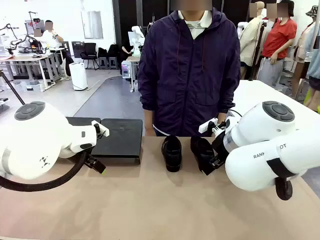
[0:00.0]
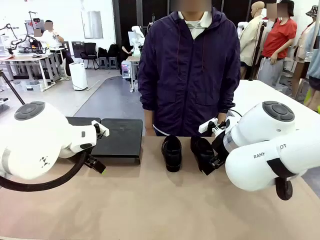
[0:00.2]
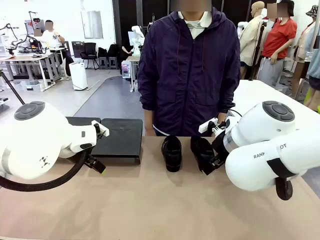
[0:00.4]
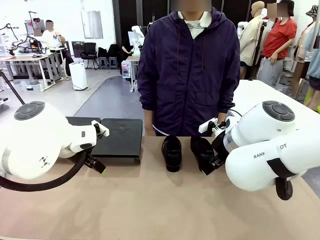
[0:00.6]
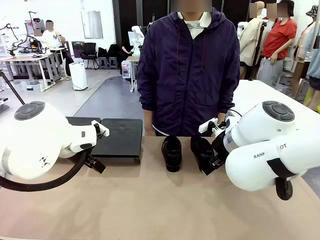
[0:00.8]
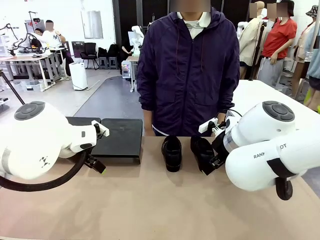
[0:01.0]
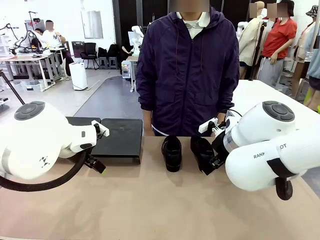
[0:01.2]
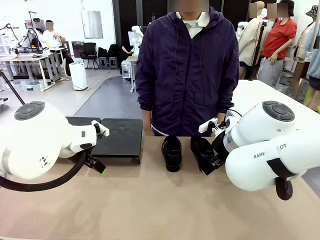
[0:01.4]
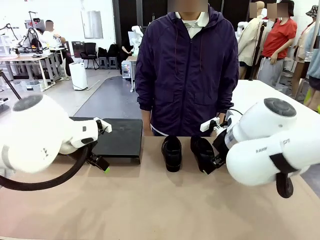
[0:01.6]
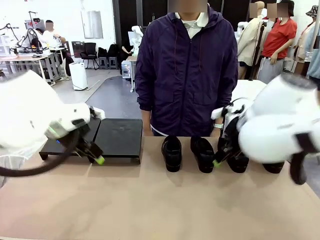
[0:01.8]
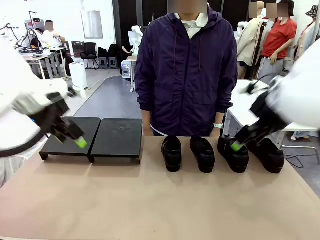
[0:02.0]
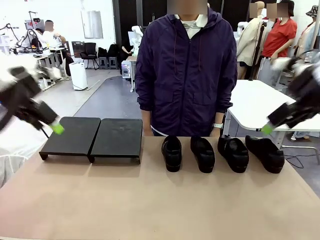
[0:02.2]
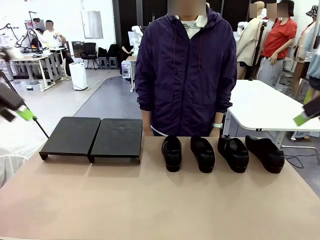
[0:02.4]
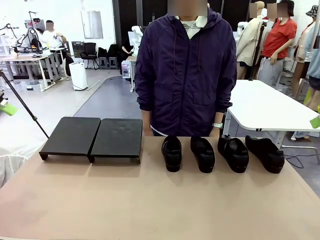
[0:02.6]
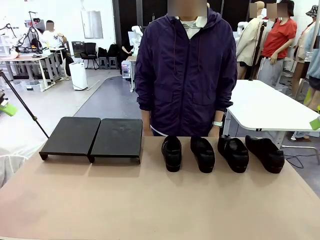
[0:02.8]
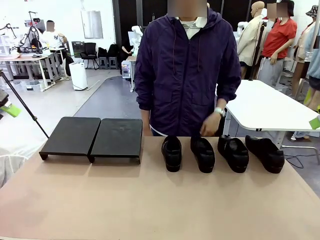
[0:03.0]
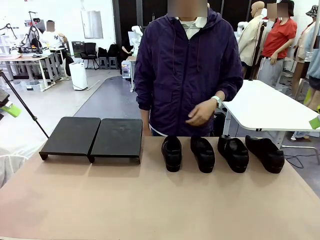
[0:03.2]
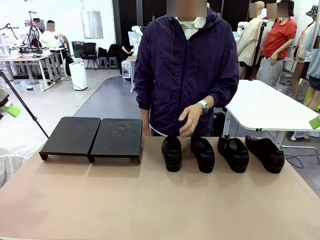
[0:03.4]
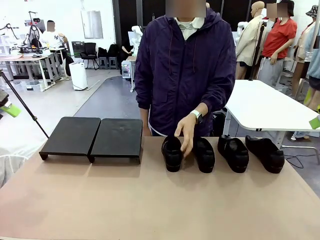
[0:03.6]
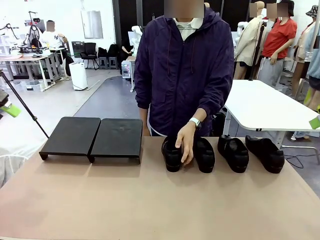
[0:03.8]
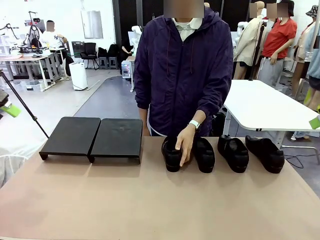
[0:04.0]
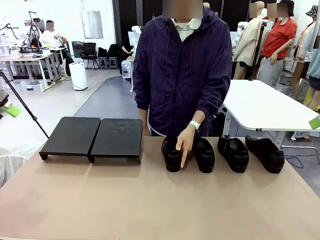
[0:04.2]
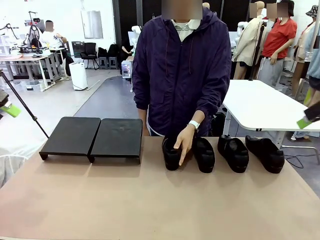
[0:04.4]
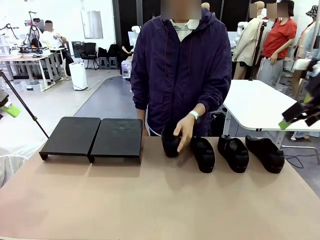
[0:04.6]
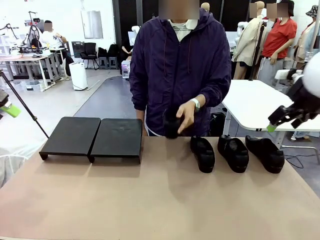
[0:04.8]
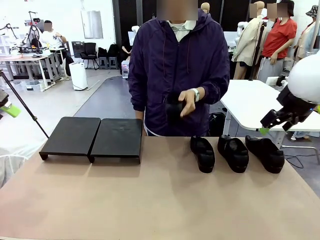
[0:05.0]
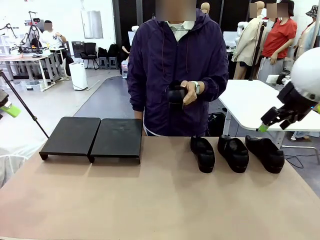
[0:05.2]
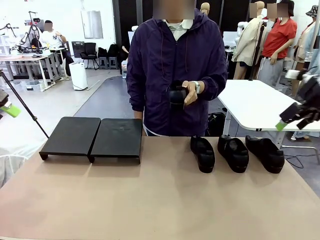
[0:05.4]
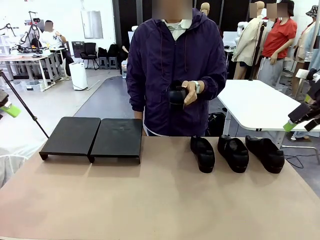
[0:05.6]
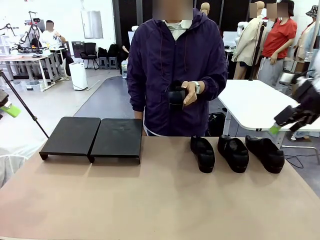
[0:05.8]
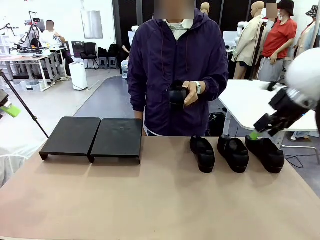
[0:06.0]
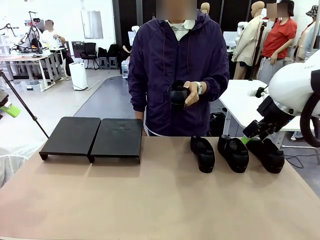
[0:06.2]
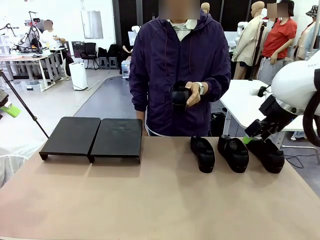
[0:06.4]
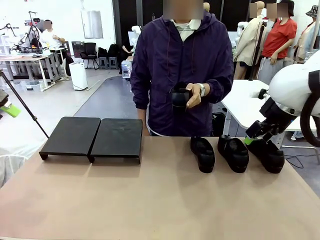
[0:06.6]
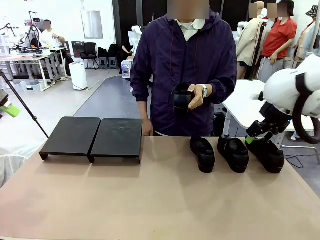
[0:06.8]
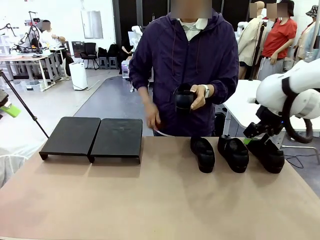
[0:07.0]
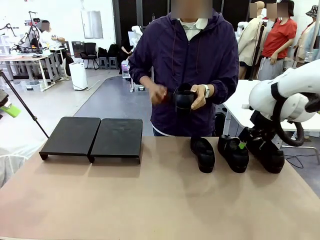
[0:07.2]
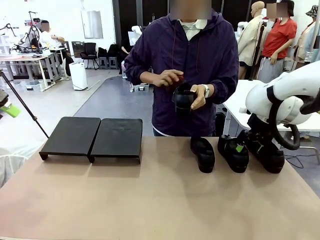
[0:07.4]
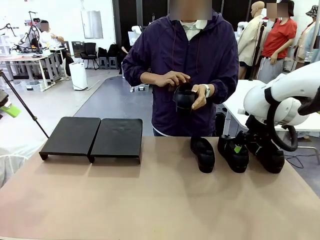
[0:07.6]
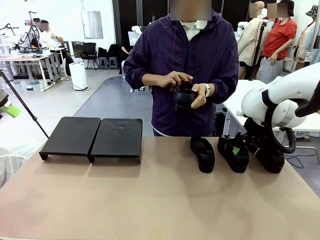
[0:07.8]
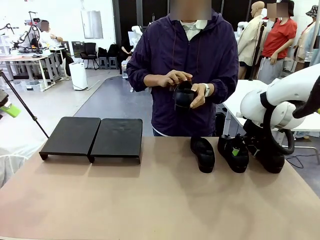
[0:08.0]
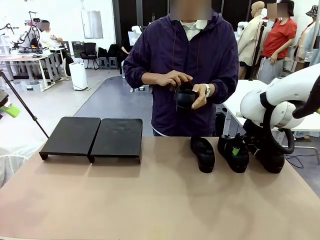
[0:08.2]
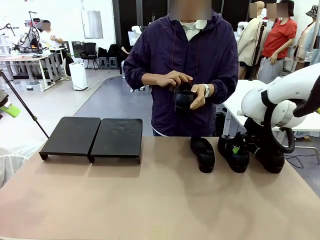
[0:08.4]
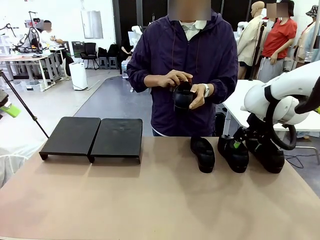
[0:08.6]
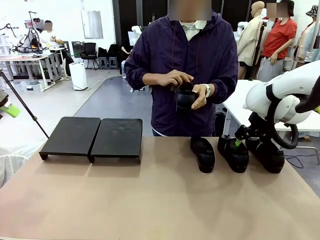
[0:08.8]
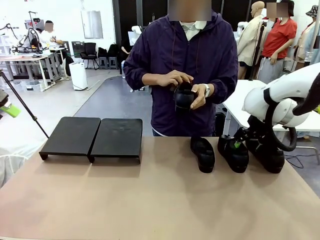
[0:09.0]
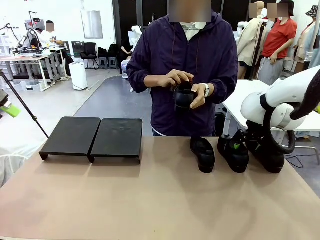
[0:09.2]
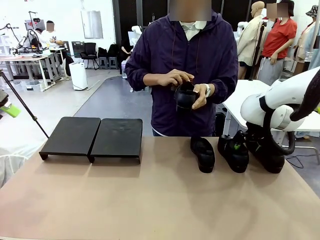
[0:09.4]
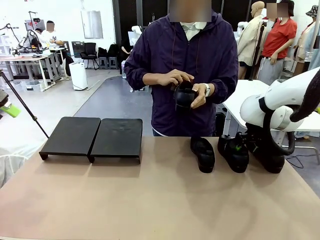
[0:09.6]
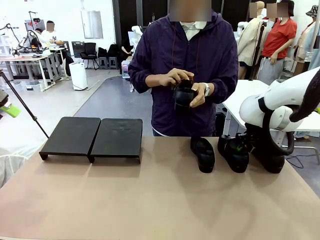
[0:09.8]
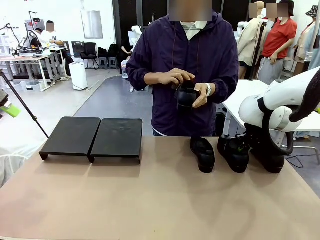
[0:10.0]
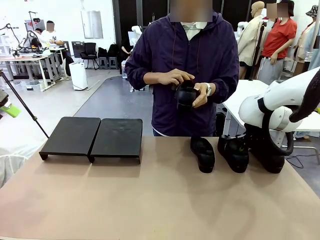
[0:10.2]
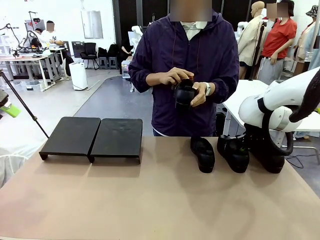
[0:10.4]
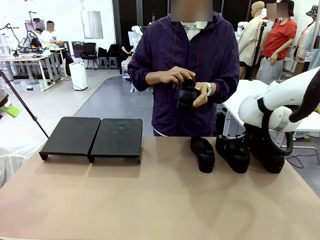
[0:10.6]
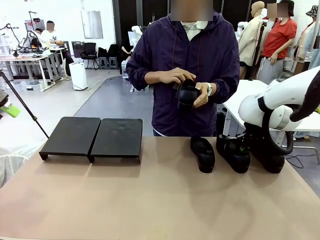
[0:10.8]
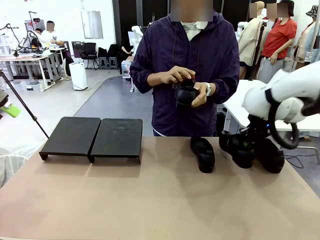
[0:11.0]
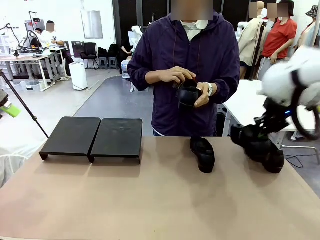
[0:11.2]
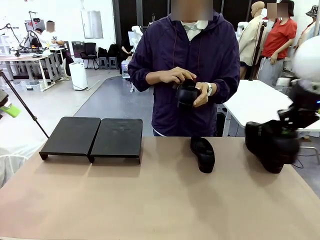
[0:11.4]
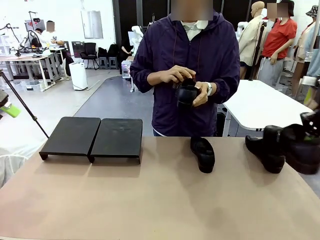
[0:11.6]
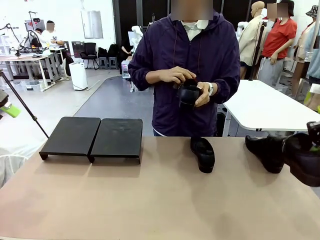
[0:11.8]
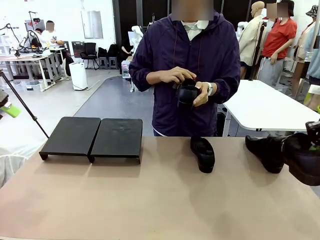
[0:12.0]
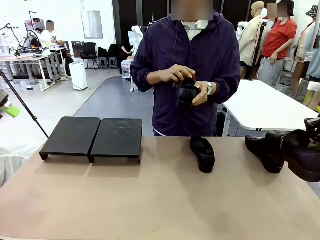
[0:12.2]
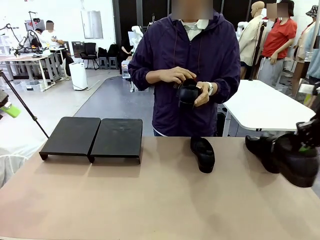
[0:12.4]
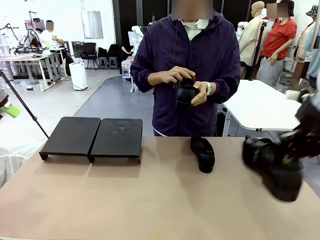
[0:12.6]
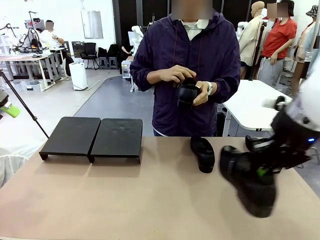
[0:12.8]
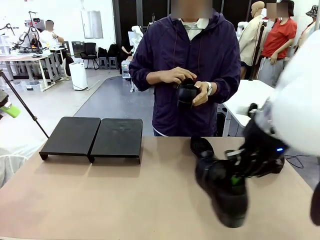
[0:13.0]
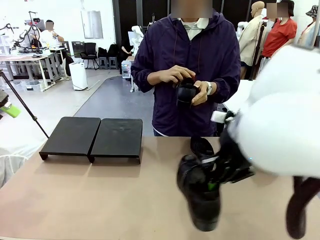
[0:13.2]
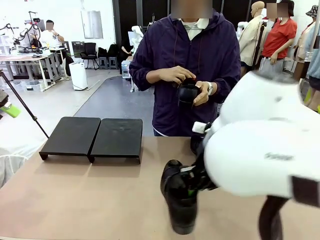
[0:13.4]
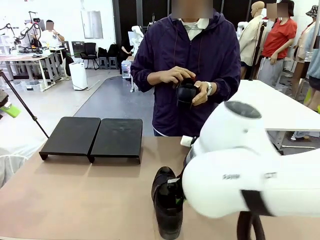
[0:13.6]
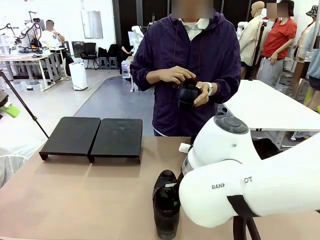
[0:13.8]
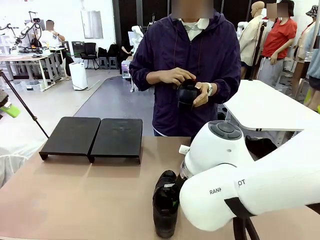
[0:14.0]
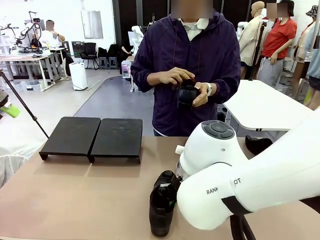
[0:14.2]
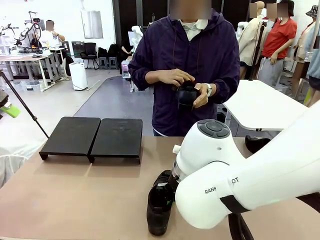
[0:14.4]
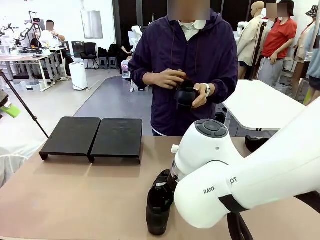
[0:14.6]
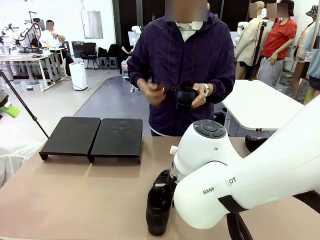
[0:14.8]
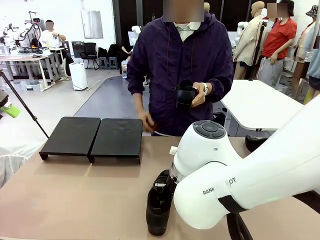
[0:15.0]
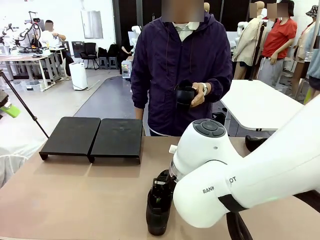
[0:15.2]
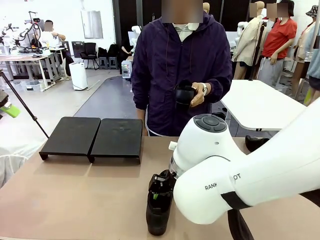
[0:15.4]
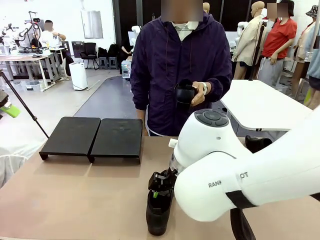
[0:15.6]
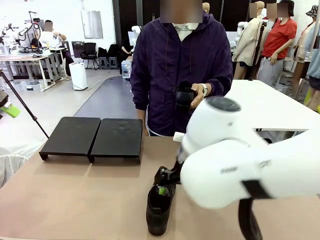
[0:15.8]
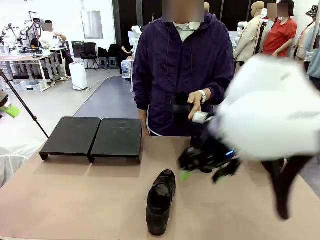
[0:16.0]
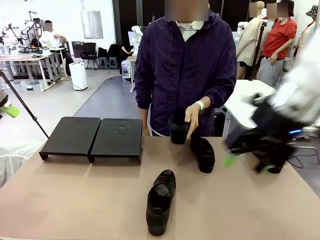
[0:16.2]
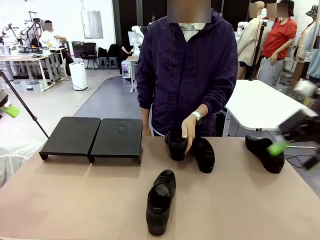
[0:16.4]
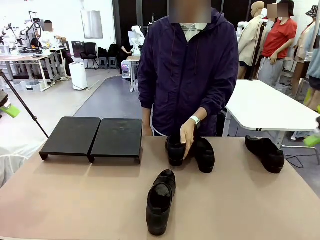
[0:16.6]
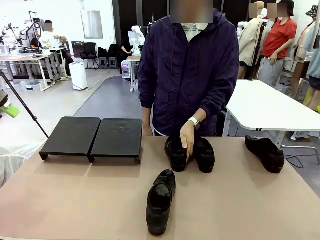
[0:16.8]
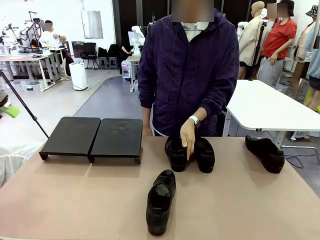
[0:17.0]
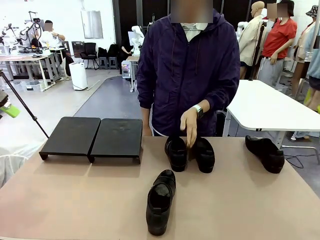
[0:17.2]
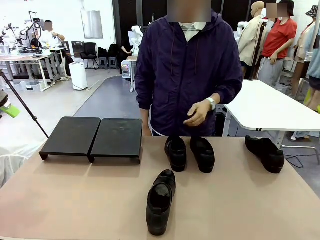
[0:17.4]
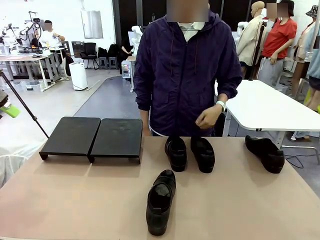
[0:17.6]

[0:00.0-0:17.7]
Task: Organize the shoes by placing them on the stand.
Robot: Pick up one Shoe and place it in the middle of the table.
Person: Pick one Shoe on Robot's table. Clean the Shoe with the Shoe Brush. Place the Shoe on left side of the Robot's table.
